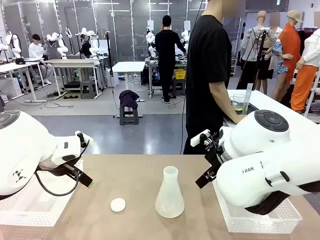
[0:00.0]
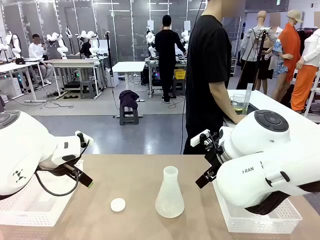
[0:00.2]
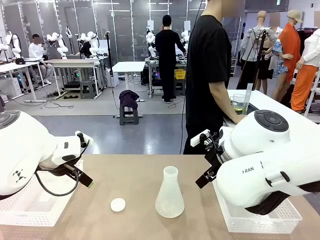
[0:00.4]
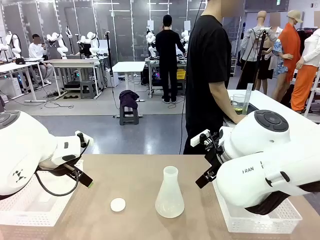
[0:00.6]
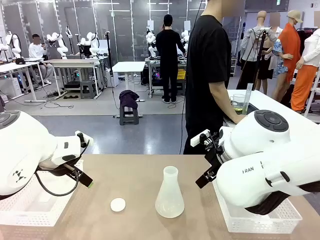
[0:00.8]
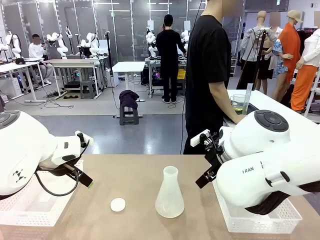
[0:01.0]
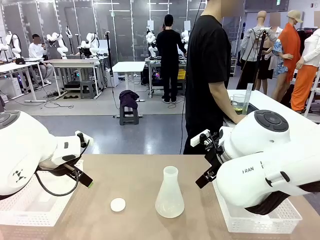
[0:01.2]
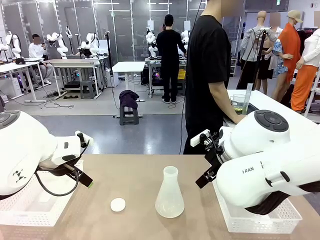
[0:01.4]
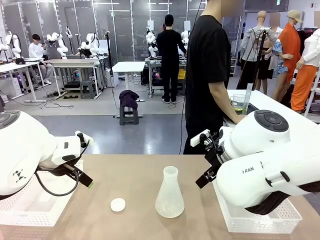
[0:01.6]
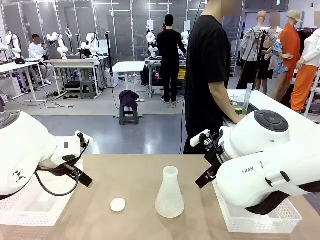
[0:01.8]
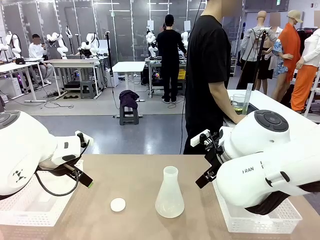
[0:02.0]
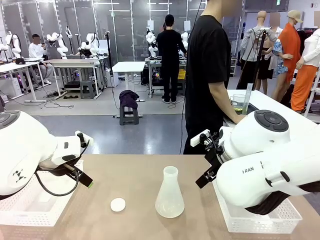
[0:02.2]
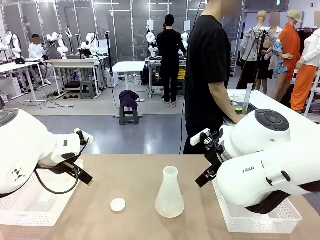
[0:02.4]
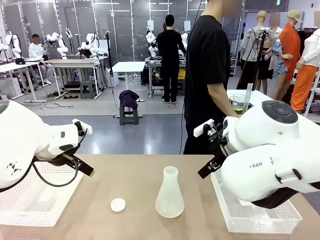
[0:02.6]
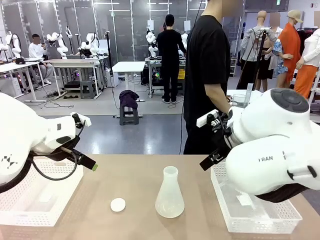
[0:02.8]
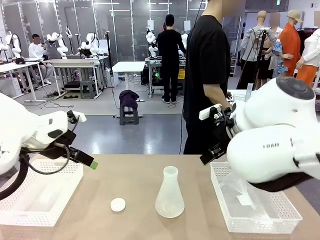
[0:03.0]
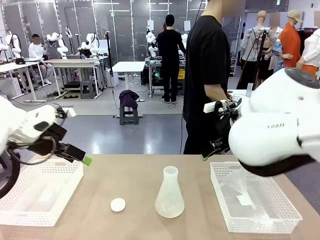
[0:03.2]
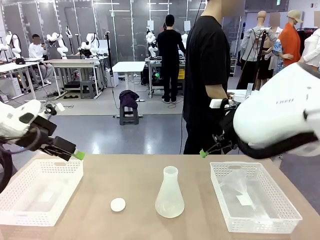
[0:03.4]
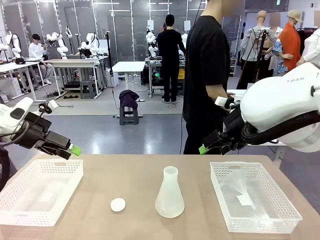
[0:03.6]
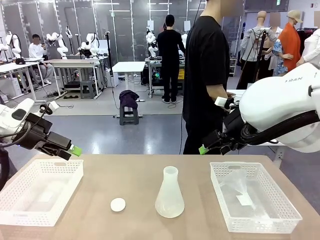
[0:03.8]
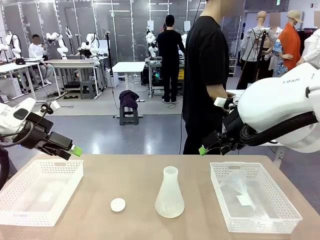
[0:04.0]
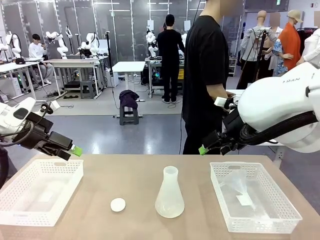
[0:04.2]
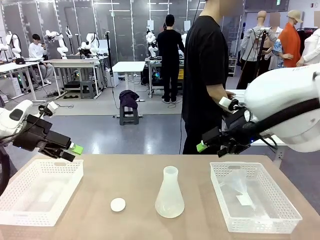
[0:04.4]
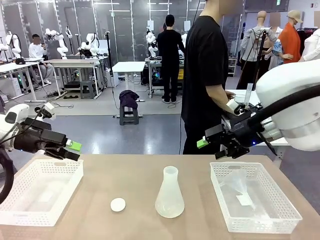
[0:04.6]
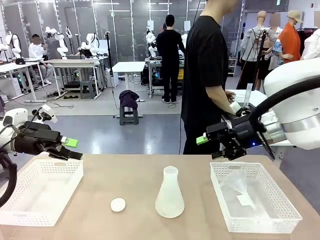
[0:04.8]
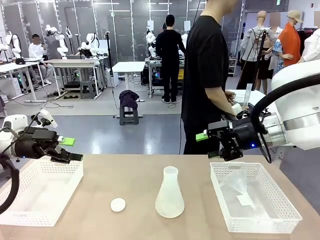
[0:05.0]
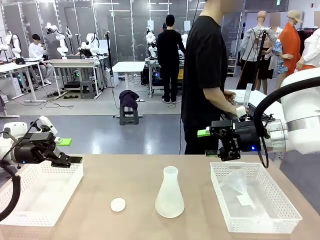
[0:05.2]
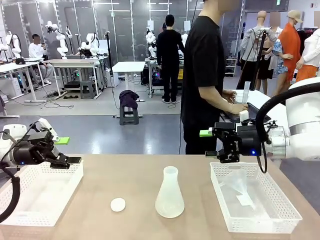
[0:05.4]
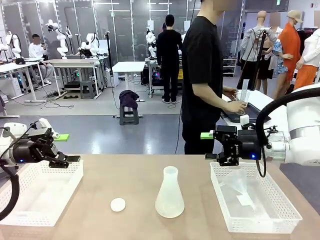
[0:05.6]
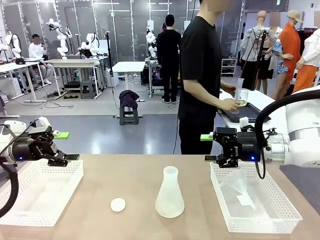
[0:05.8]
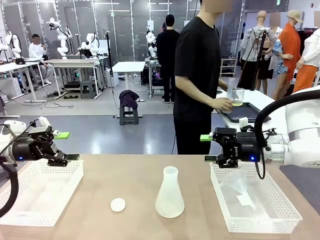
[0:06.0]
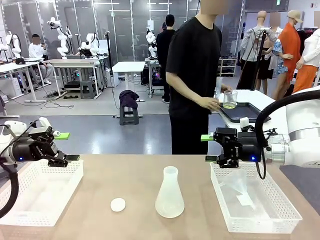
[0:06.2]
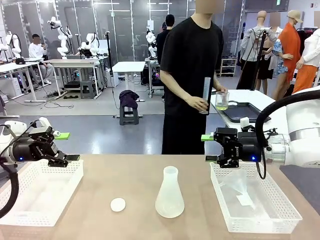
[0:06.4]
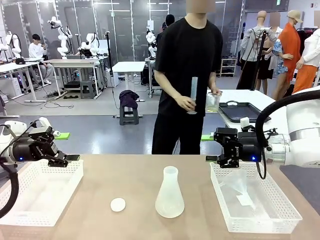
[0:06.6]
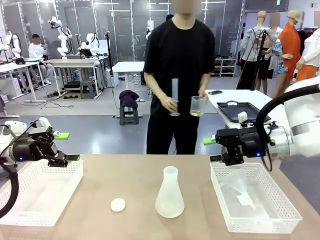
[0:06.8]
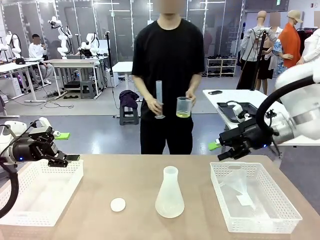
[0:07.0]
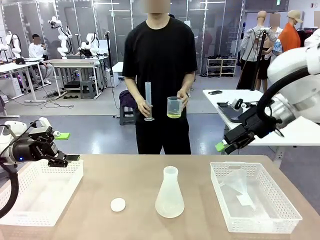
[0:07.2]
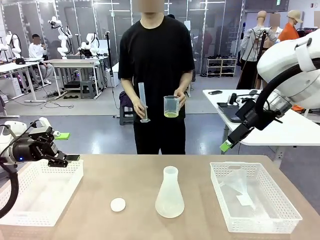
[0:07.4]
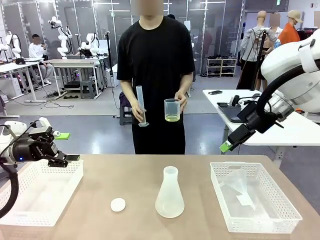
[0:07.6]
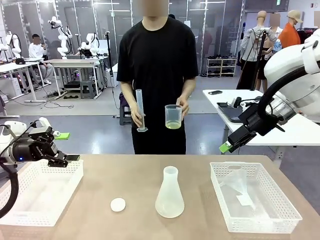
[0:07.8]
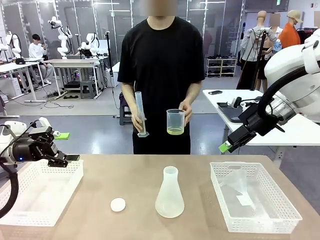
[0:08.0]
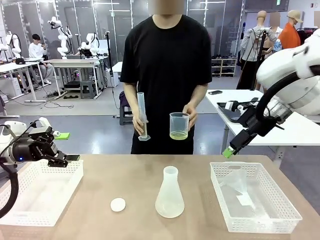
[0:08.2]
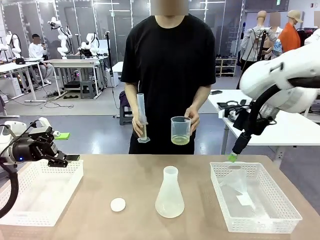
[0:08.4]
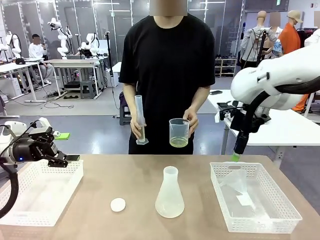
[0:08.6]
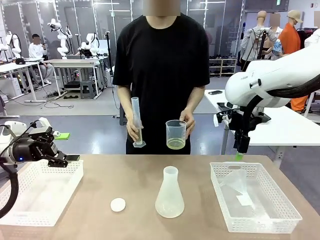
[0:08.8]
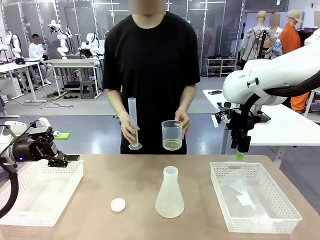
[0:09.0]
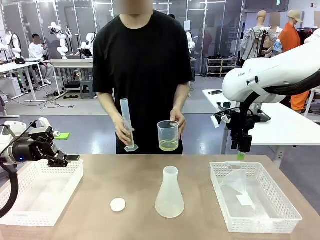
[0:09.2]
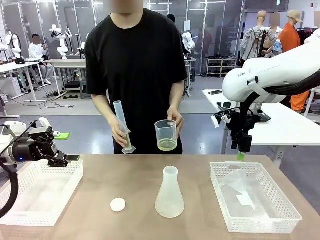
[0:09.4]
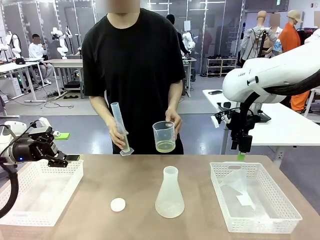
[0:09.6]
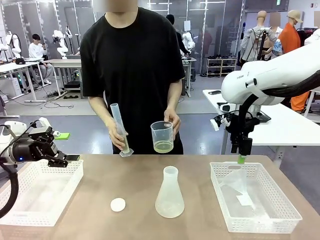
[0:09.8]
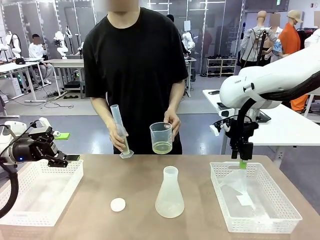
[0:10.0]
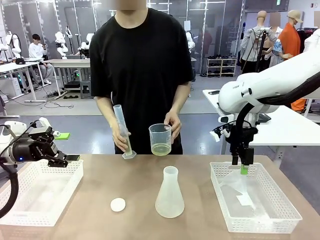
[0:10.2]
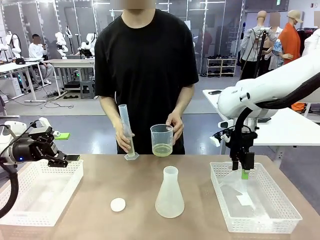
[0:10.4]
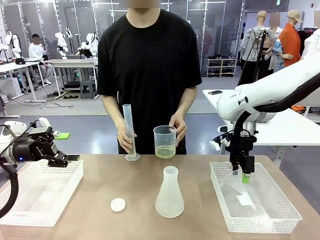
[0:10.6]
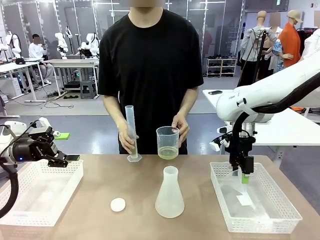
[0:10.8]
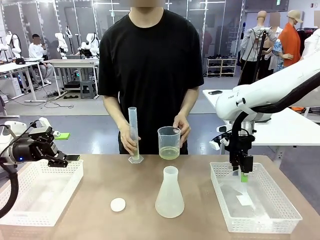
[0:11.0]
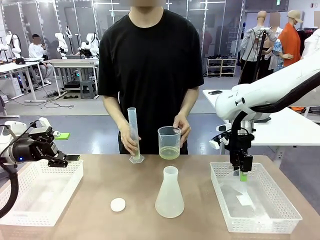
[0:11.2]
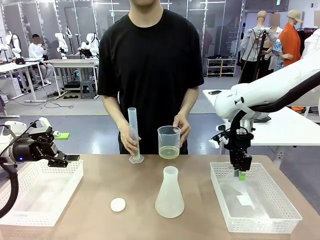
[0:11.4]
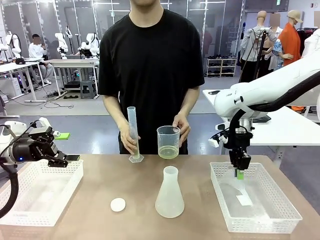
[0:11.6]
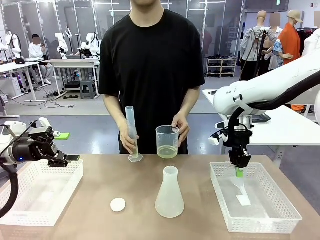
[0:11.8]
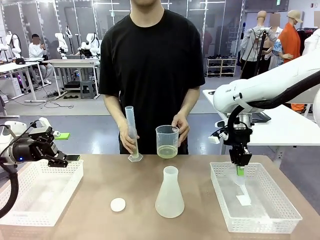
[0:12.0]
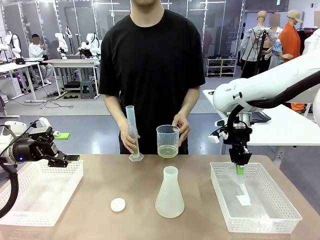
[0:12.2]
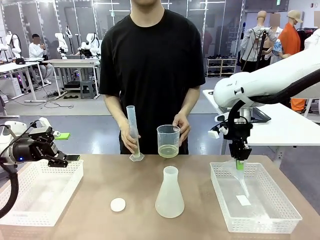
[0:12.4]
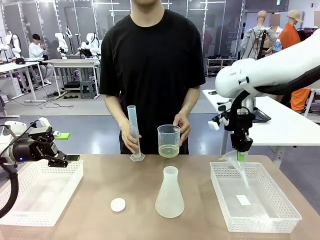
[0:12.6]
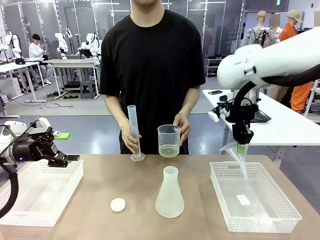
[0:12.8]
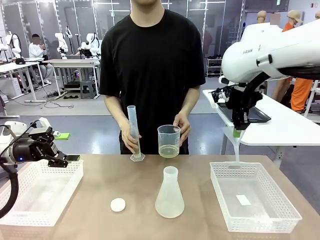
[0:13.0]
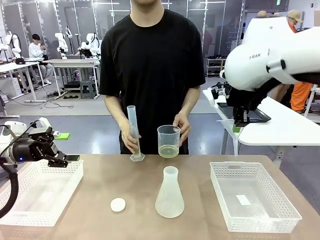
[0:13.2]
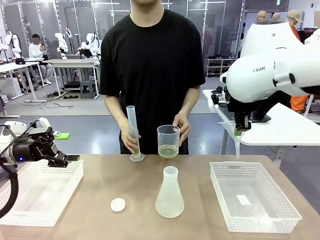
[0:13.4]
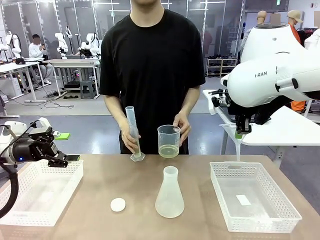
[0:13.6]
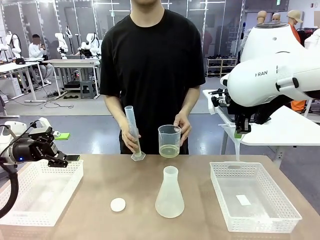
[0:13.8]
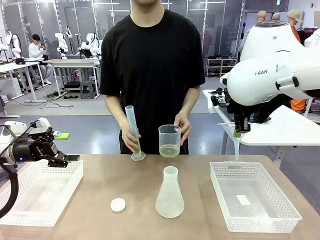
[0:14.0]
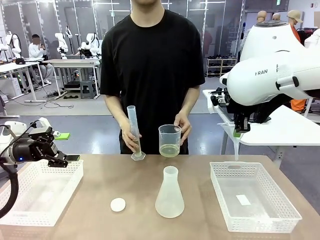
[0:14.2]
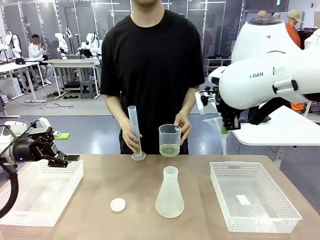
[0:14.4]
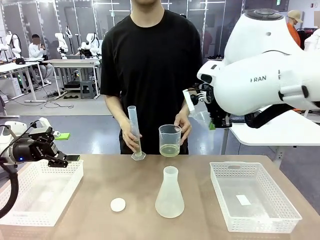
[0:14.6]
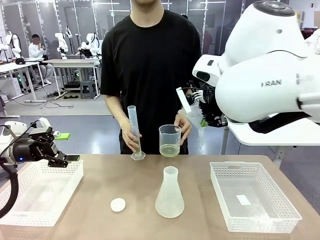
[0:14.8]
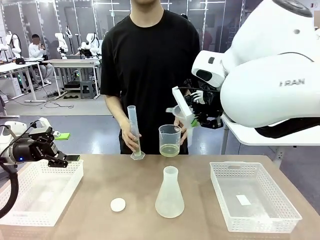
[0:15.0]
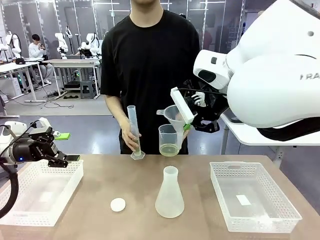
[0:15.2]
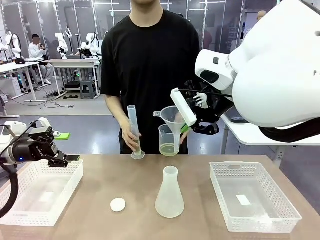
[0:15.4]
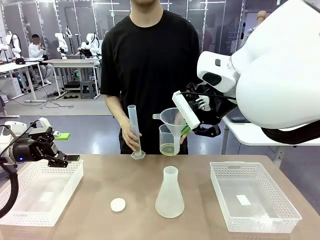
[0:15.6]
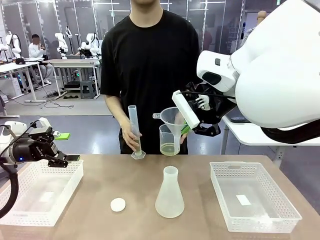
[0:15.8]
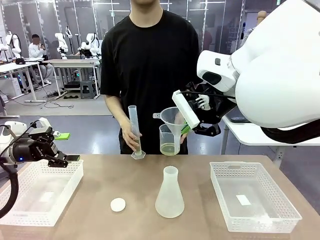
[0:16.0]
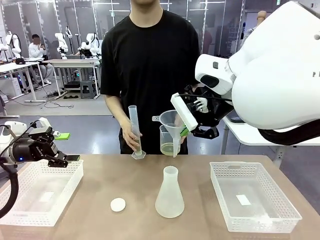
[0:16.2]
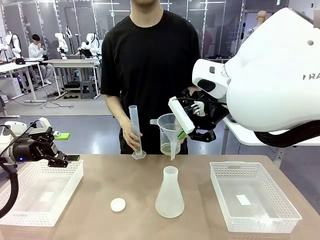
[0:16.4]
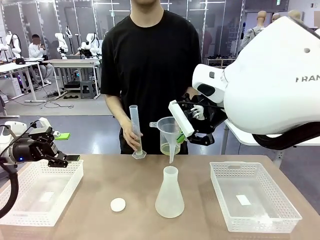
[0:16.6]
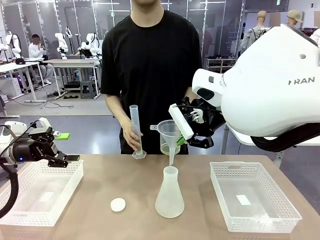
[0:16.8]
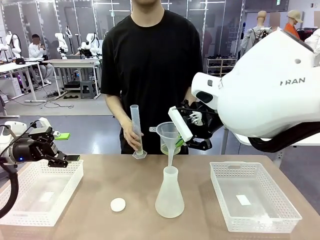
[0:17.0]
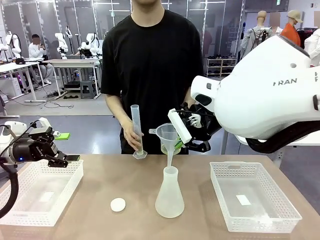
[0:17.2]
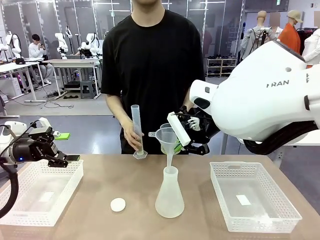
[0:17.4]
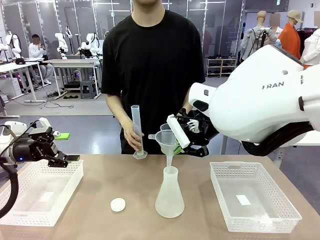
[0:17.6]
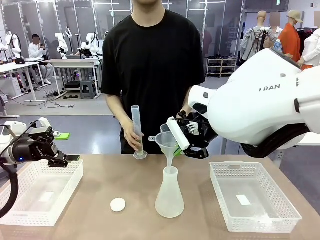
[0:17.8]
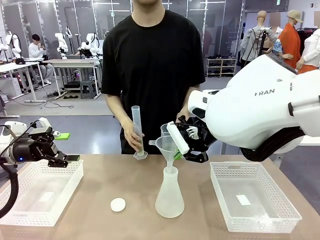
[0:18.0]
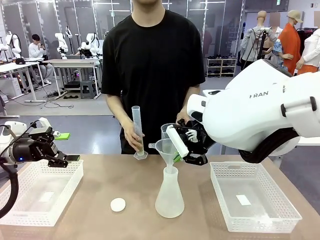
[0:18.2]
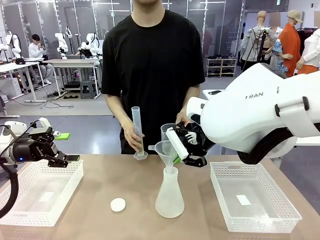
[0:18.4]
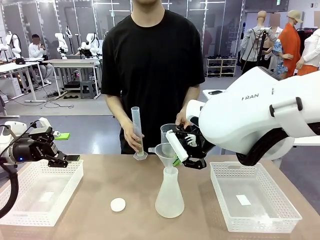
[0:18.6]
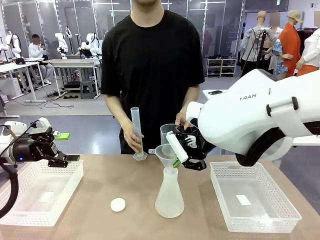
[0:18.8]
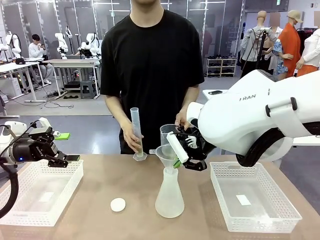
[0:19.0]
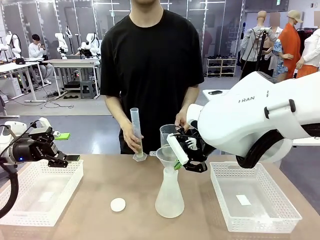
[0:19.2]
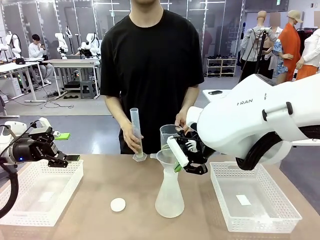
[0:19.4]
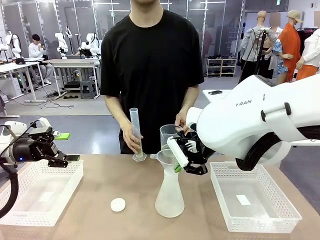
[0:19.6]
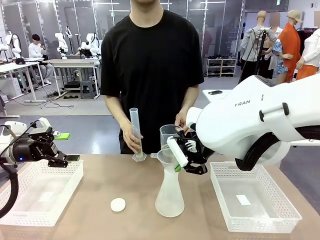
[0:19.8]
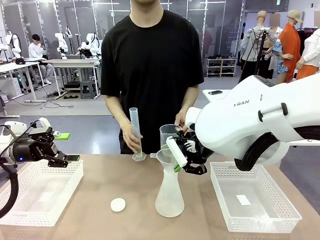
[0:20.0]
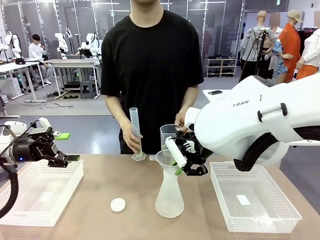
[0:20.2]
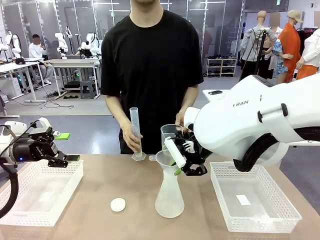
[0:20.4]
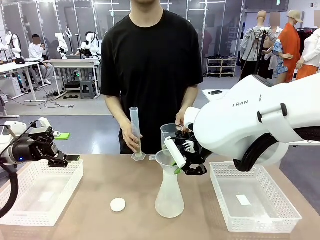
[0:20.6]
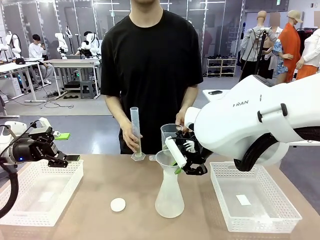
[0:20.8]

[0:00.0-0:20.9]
Task: Prepare the solutions needed for the experiment.
Robot: Pick up the Plastic Funnel and insert it into the Big flask.
Person: Pick up the beaker and the cylinder and move to the middle of the robot table. Pour the solution from the beaker and the cylinder into the flask.
